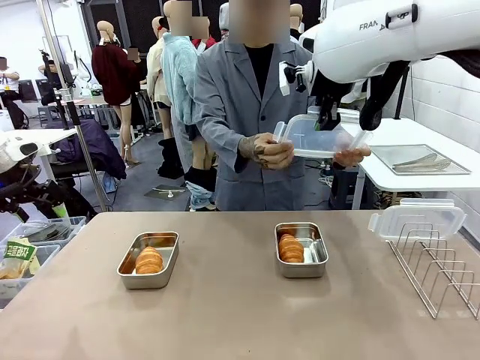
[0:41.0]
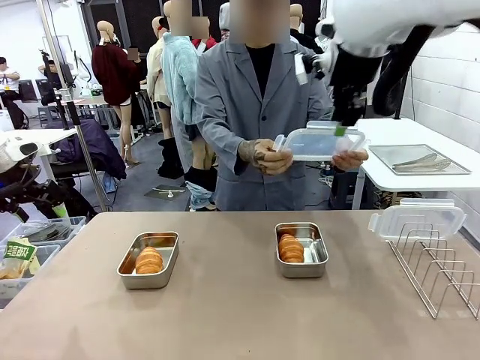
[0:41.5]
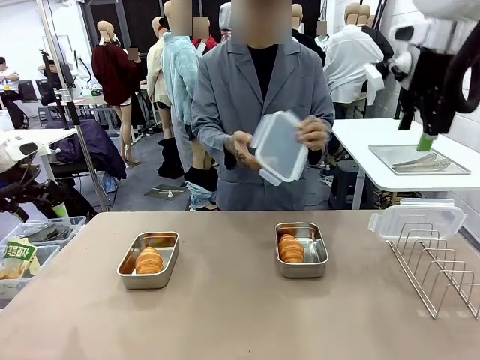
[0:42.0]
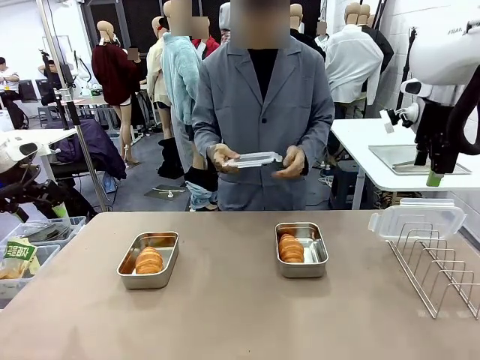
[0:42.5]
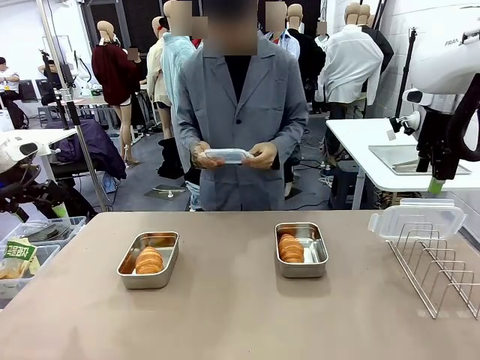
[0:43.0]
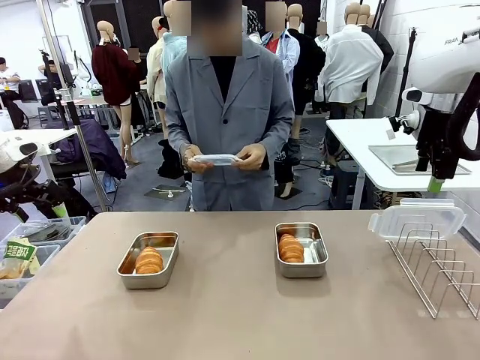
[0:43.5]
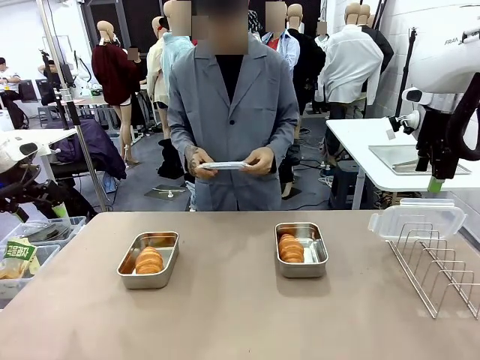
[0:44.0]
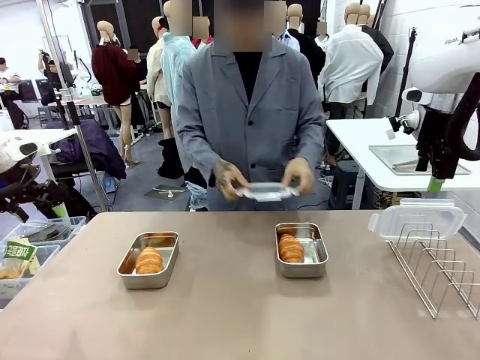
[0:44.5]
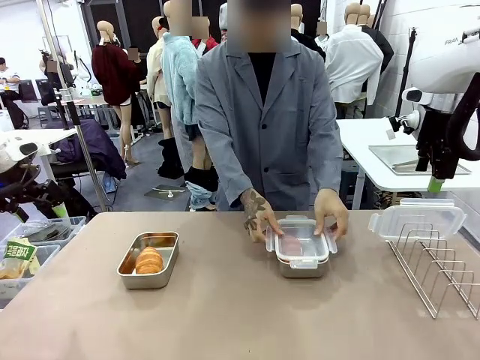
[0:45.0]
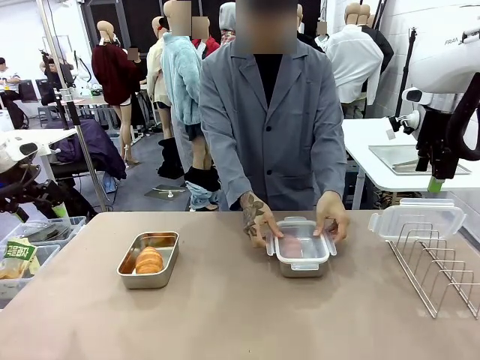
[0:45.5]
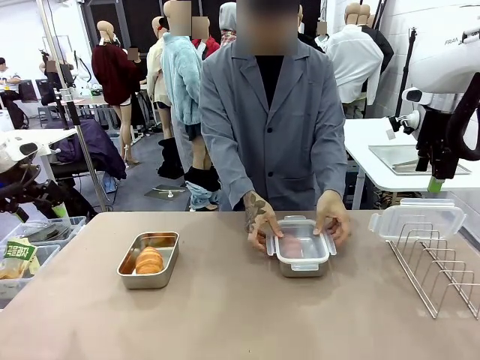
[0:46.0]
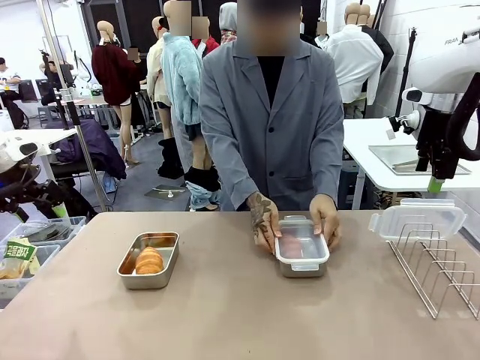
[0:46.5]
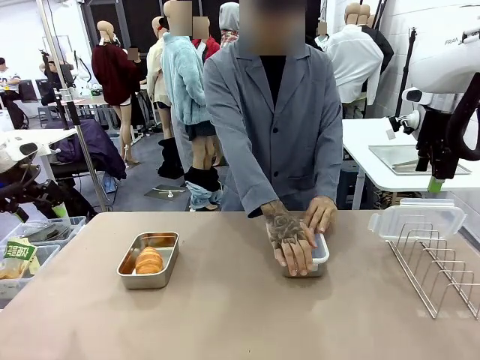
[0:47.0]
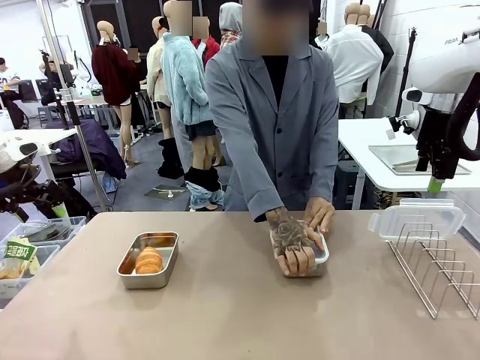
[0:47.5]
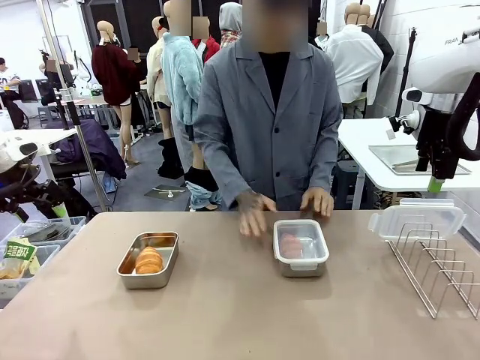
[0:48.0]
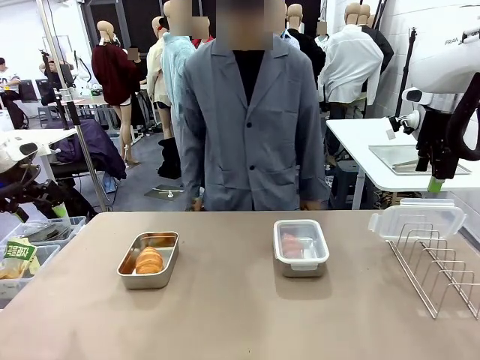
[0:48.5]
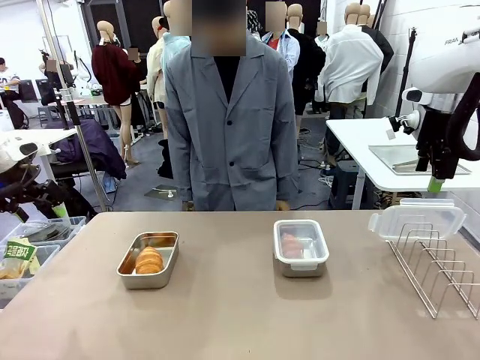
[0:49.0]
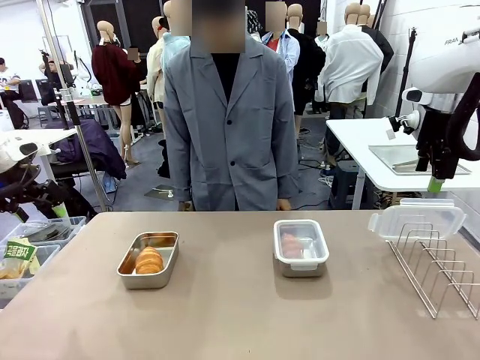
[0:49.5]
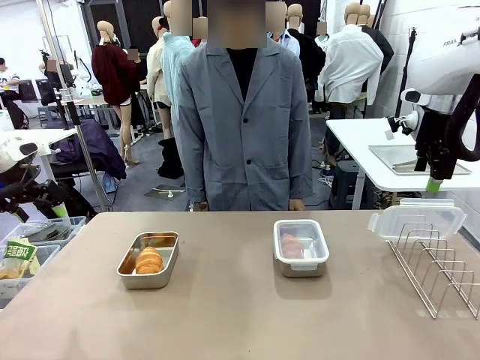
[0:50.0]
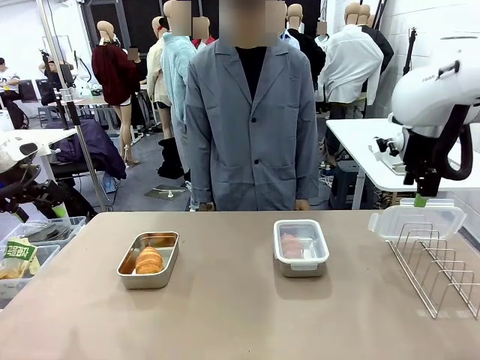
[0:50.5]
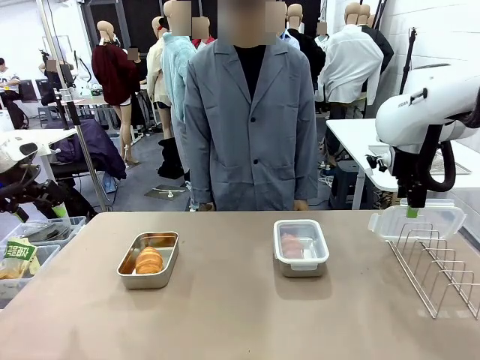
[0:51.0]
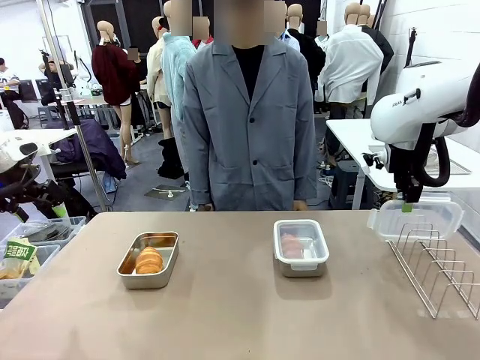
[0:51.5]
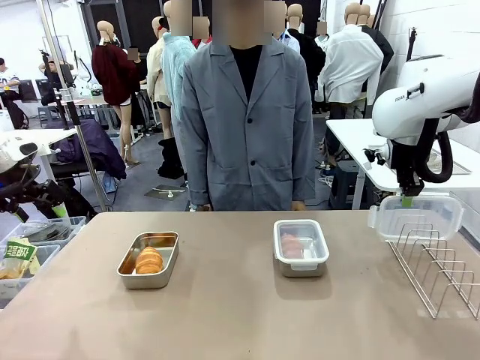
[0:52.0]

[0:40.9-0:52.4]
Task: Place the bread in airtight containers.
Robot: Pick up one Airtight Container lid and hand it to the human.
Person: Close Airtight Container with a handed Airtight Container lid.

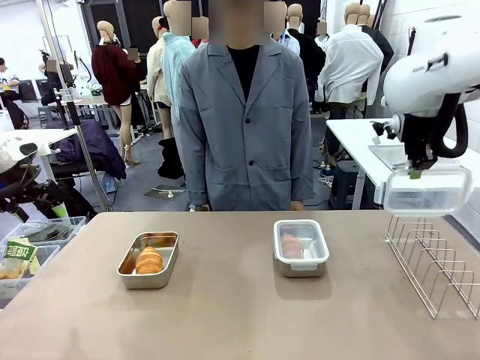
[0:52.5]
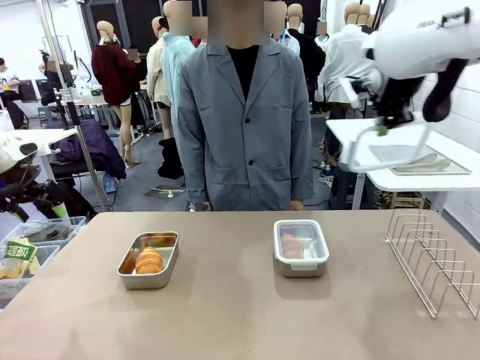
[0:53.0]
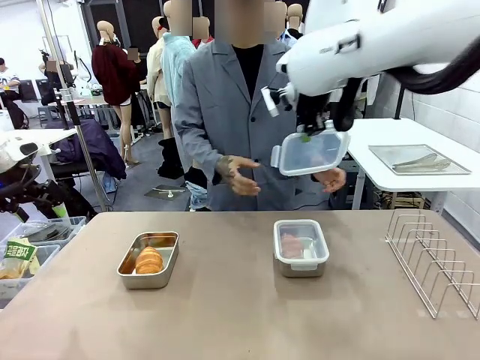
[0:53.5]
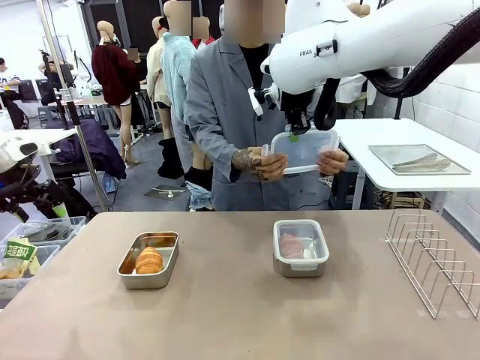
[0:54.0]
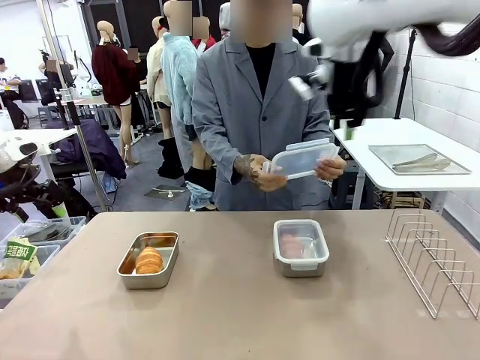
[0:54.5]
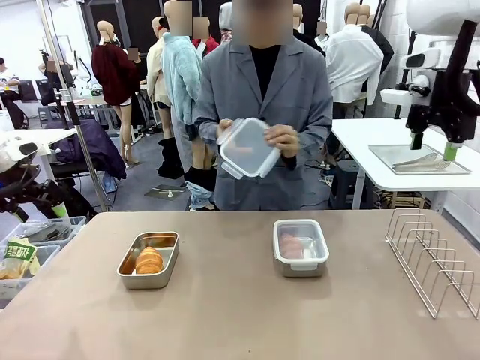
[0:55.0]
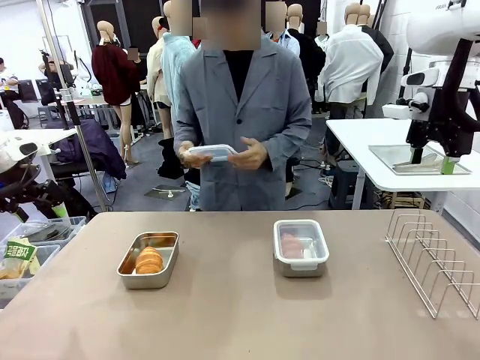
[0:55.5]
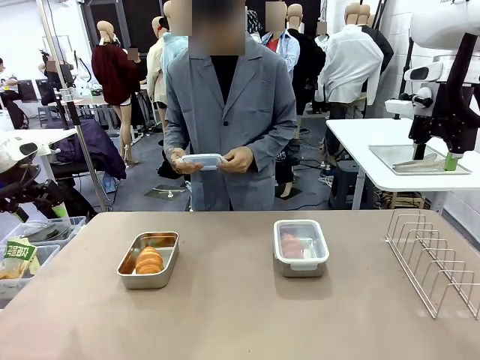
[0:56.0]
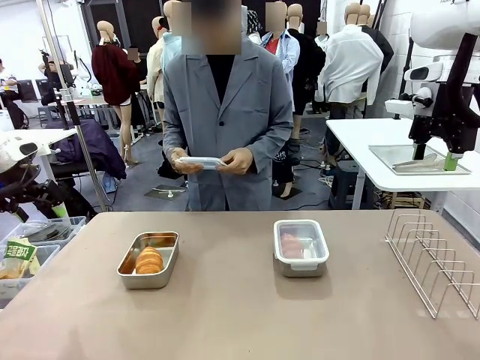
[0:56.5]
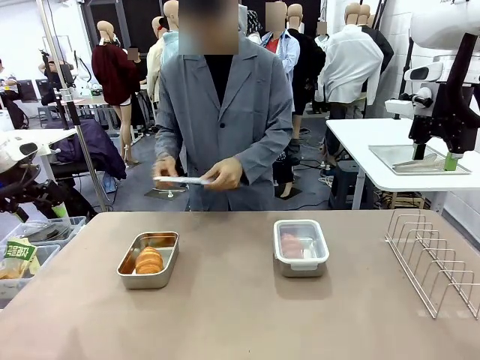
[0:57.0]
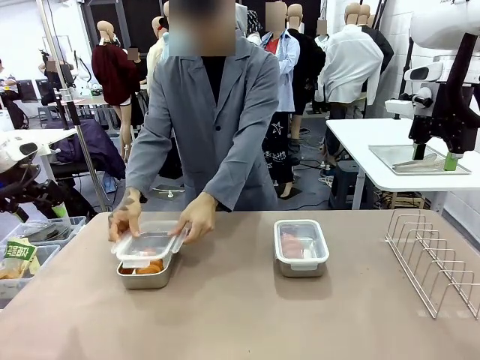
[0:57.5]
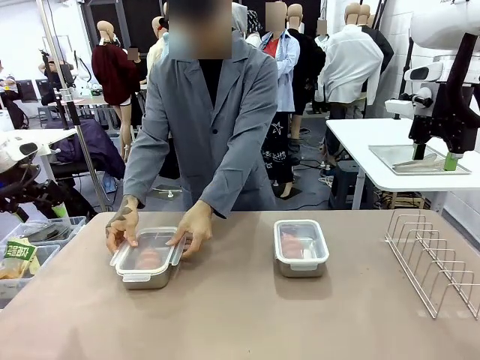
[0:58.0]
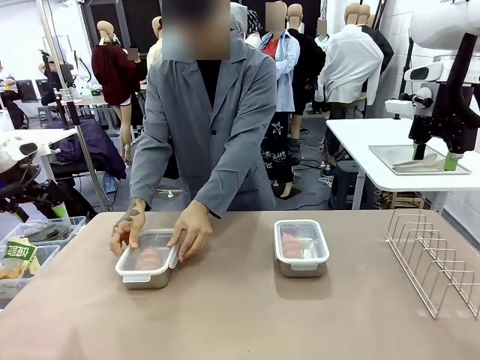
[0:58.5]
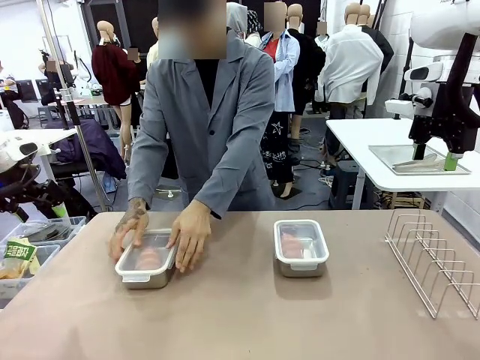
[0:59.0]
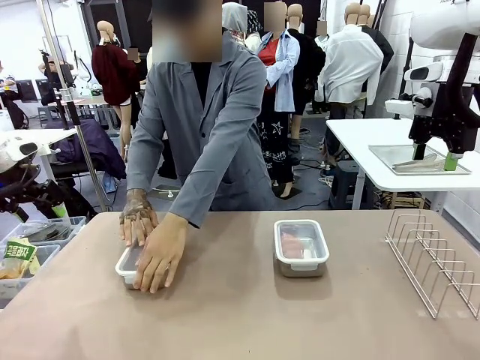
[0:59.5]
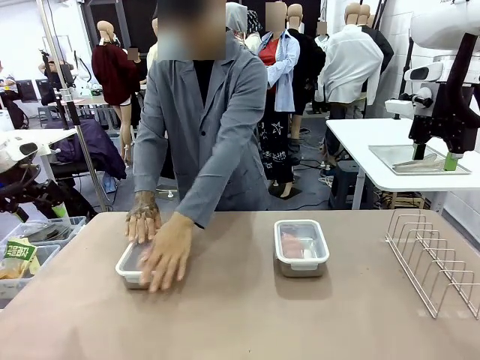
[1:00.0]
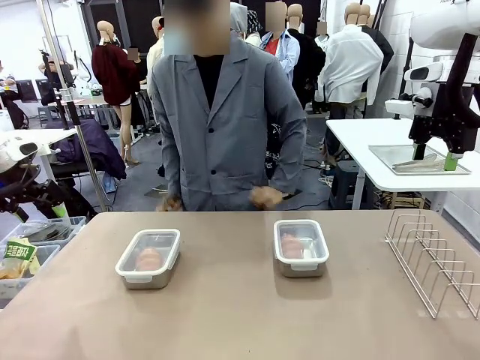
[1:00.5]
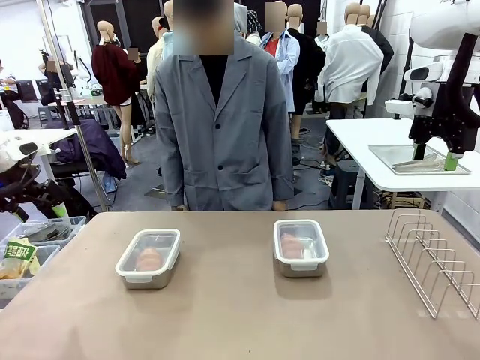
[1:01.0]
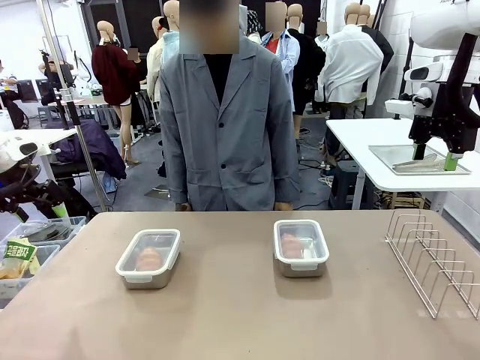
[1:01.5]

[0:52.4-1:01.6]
Robot: Release when the human grabs the Airtight Container lid.
Person: Grip Airtight Container lid that robot is handing. Close Airtight Container with a handed Airtight Container lid.

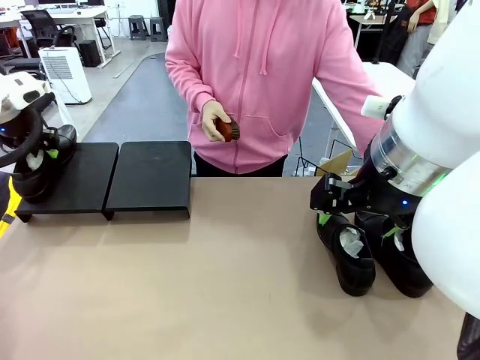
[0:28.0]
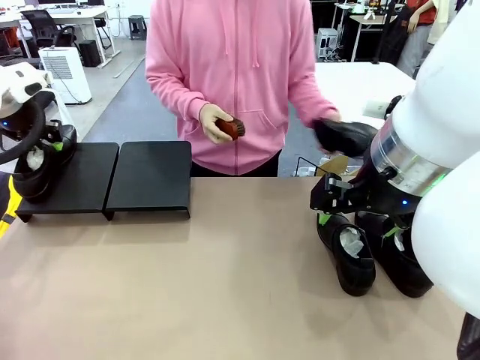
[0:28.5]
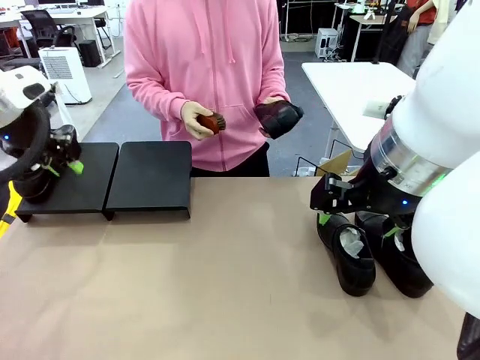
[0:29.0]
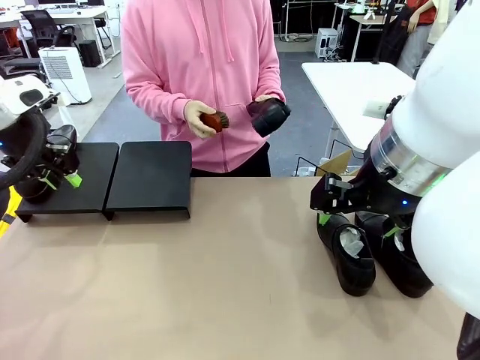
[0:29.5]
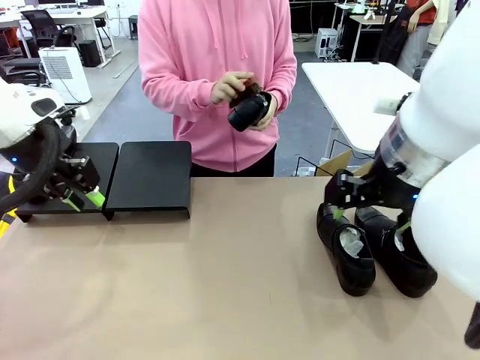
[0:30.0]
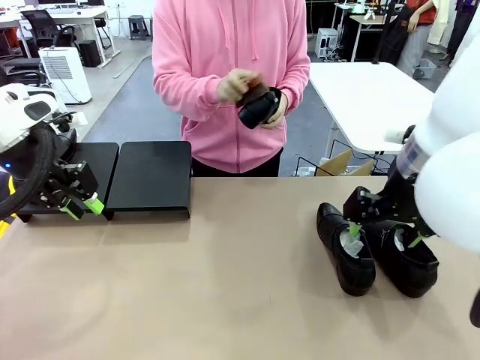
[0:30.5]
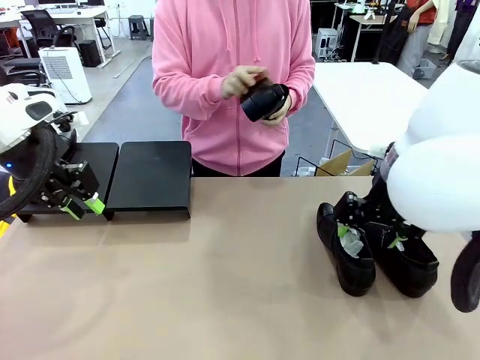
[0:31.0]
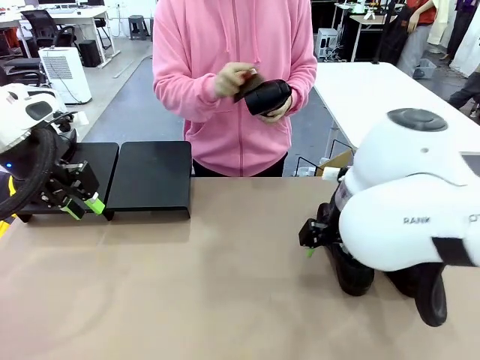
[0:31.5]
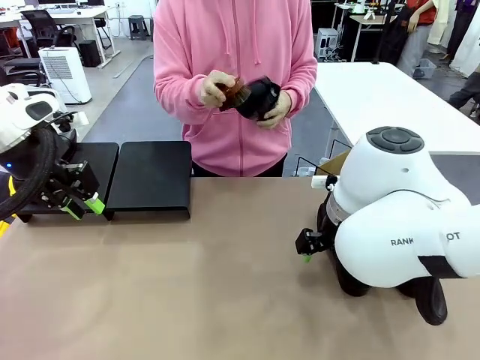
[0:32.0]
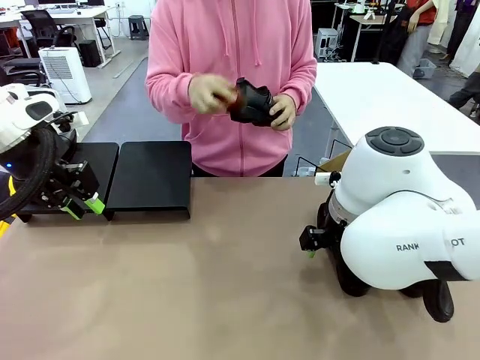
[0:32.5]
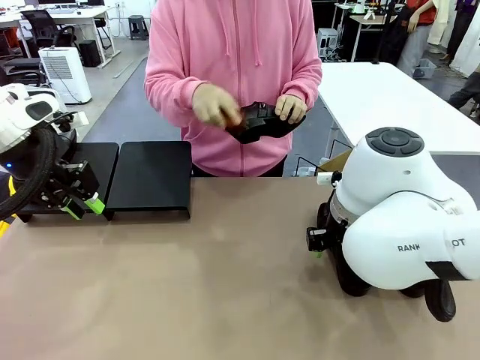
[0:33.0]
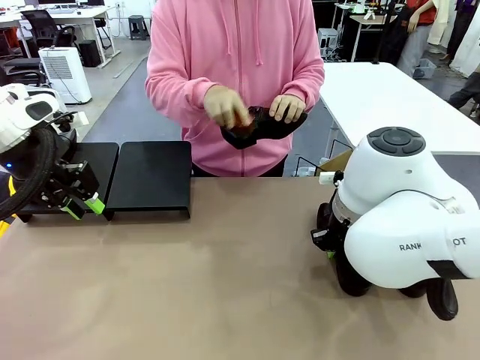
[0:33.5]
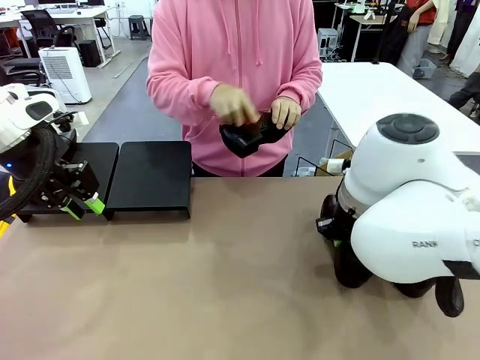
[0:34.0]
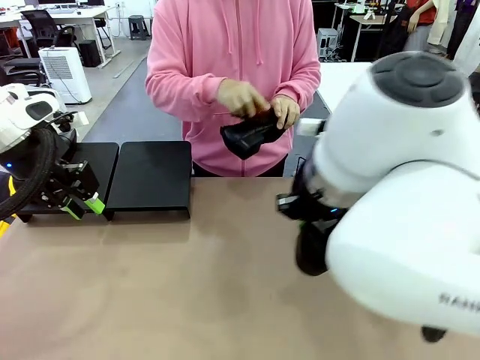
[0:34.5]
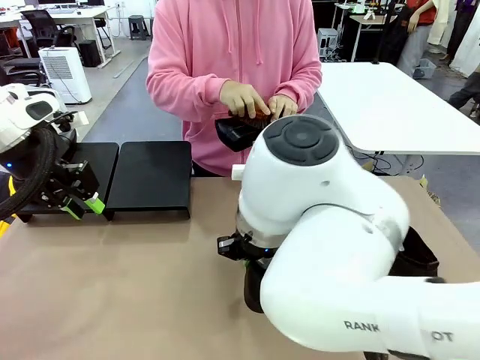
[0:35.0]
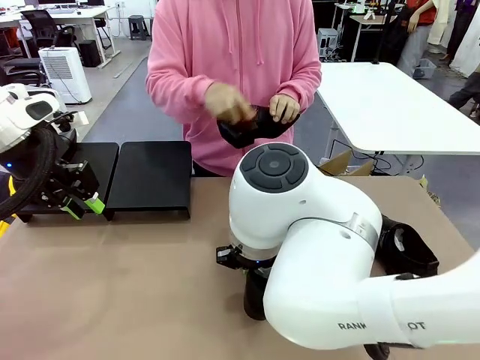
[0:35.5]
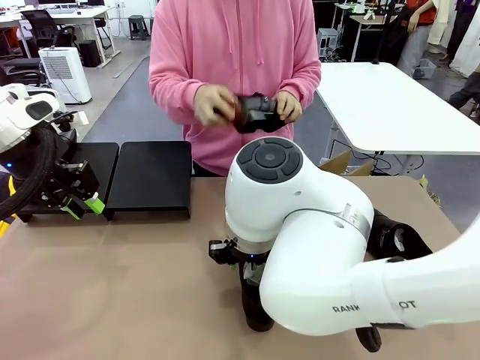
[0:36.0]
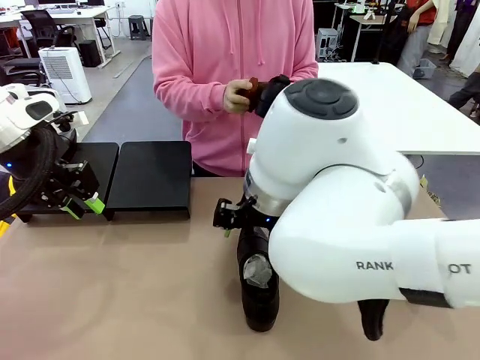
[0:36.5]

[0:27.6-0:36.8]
Task: Organize the shoes by placing them on the stand.
Robot: Pick up one Shoe and place it in the middle of the table.
